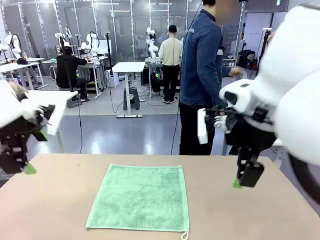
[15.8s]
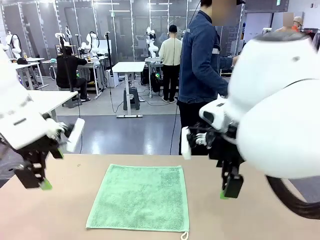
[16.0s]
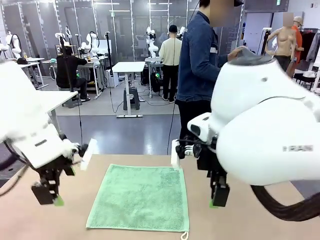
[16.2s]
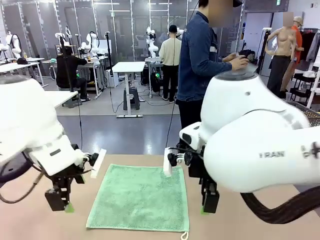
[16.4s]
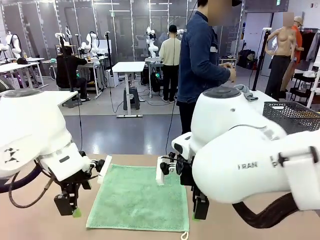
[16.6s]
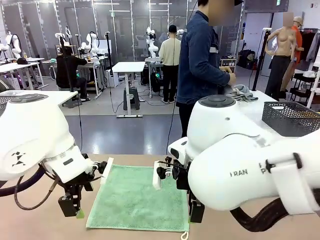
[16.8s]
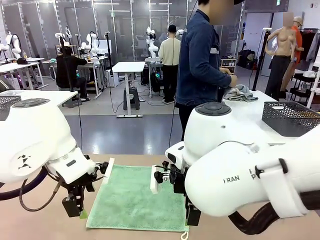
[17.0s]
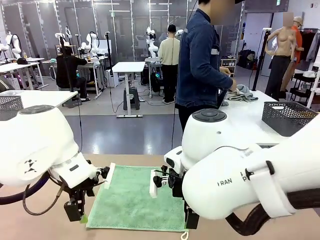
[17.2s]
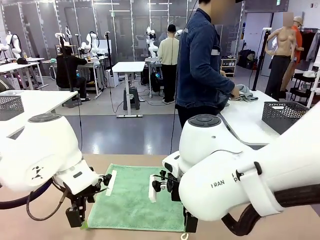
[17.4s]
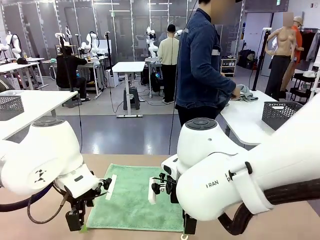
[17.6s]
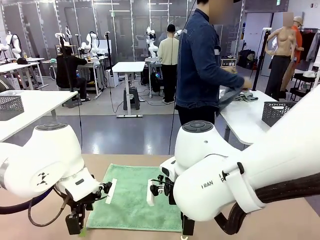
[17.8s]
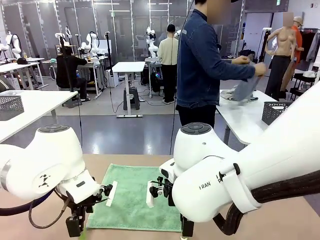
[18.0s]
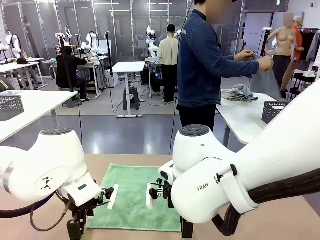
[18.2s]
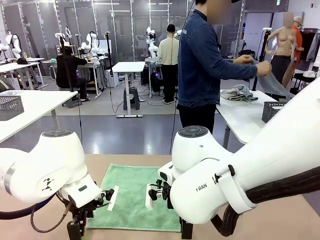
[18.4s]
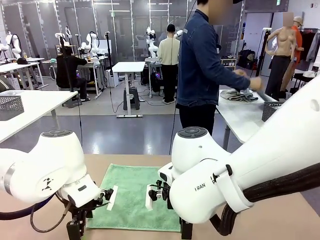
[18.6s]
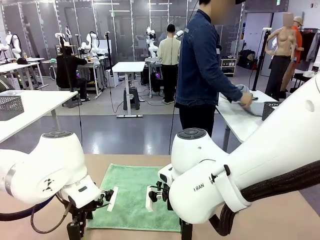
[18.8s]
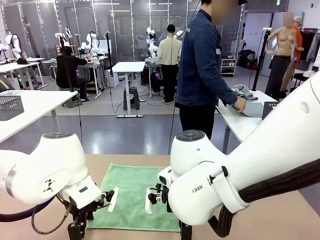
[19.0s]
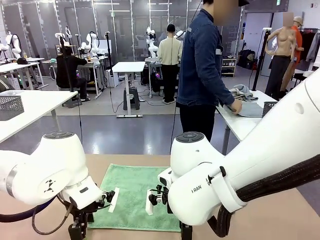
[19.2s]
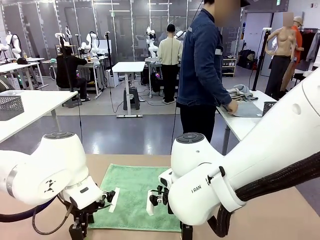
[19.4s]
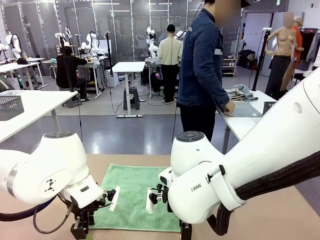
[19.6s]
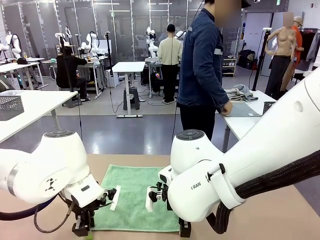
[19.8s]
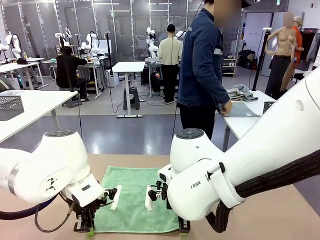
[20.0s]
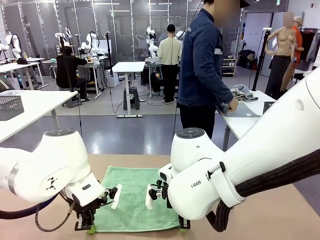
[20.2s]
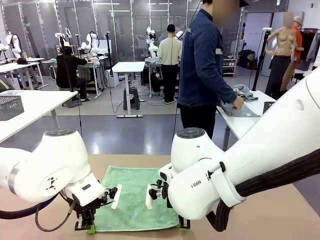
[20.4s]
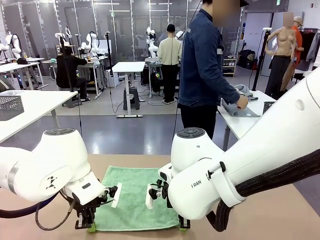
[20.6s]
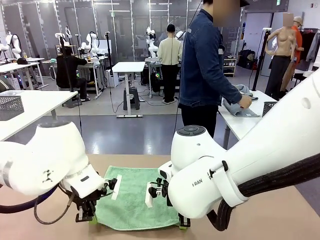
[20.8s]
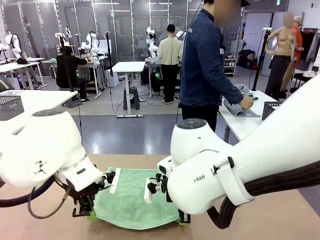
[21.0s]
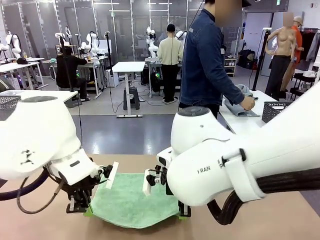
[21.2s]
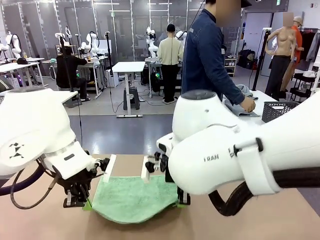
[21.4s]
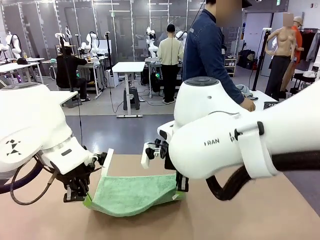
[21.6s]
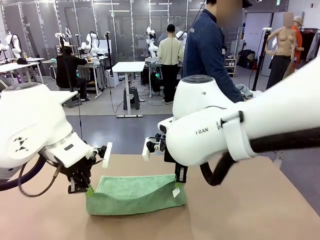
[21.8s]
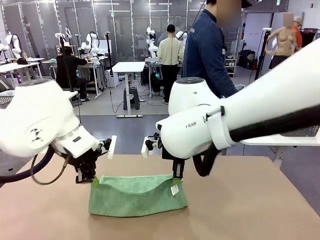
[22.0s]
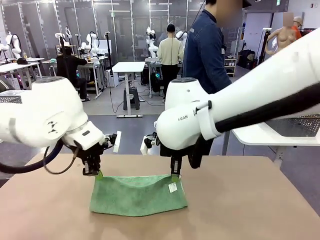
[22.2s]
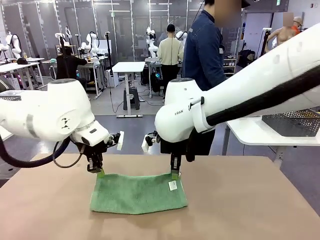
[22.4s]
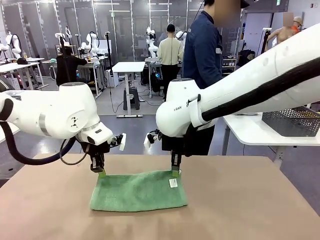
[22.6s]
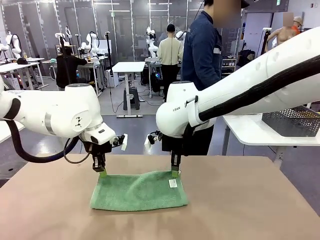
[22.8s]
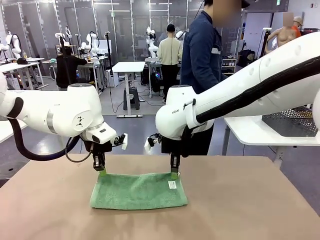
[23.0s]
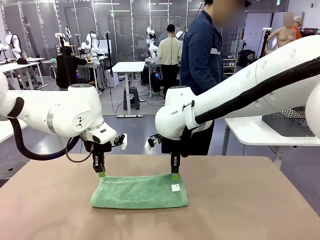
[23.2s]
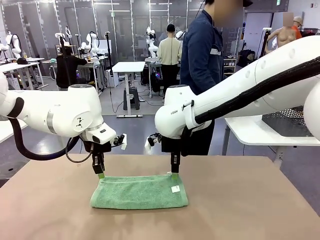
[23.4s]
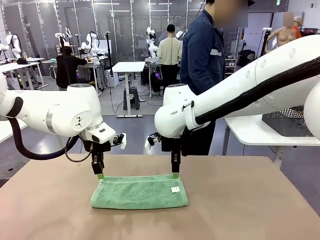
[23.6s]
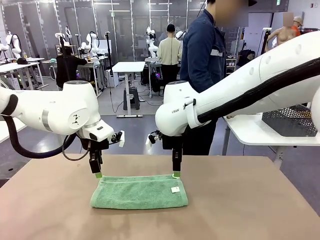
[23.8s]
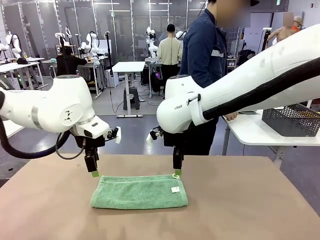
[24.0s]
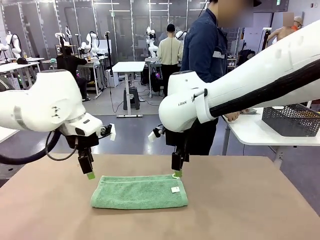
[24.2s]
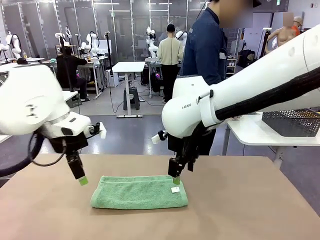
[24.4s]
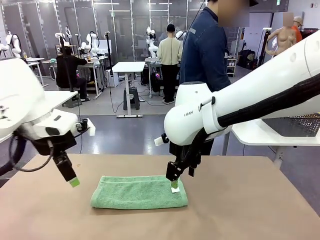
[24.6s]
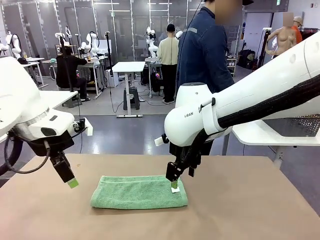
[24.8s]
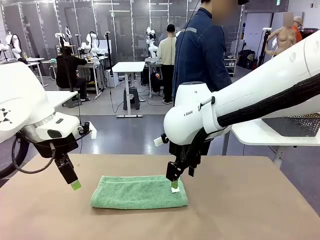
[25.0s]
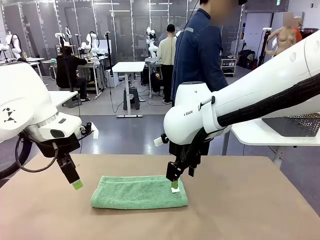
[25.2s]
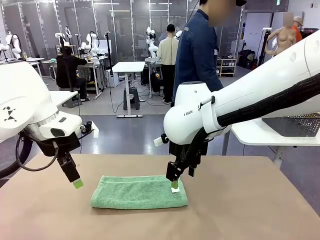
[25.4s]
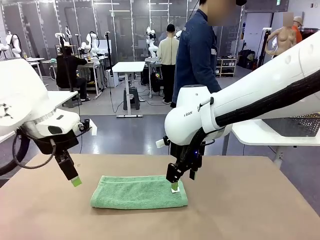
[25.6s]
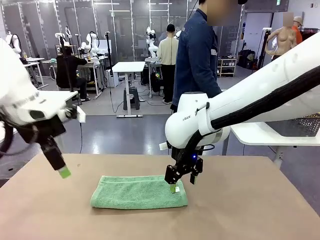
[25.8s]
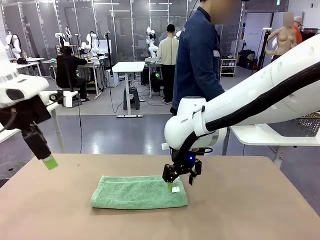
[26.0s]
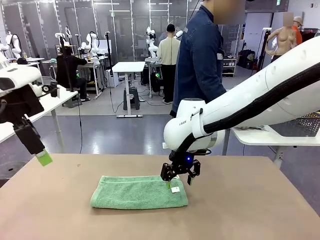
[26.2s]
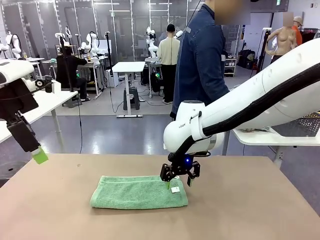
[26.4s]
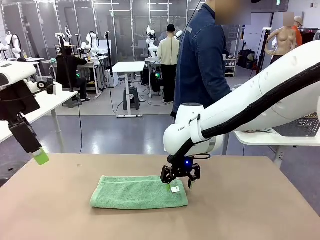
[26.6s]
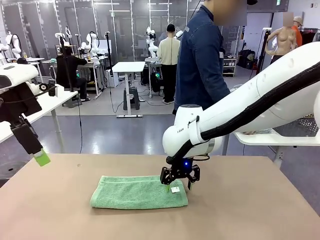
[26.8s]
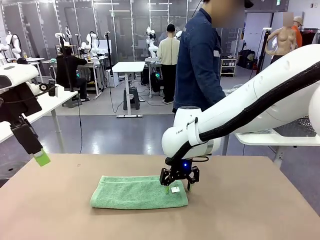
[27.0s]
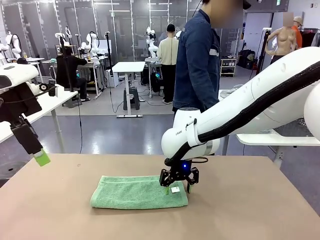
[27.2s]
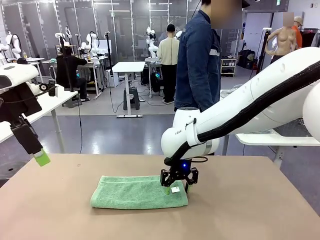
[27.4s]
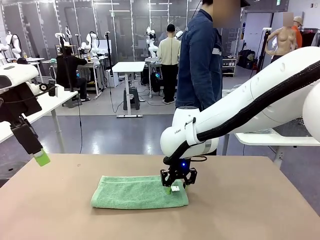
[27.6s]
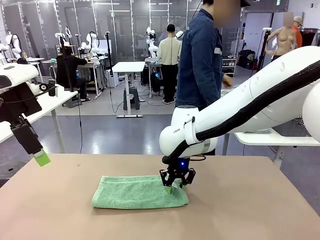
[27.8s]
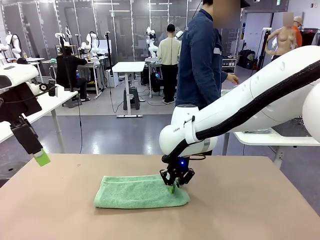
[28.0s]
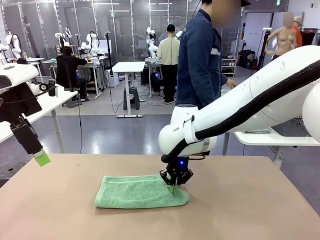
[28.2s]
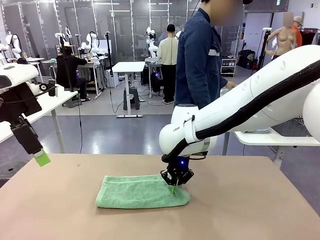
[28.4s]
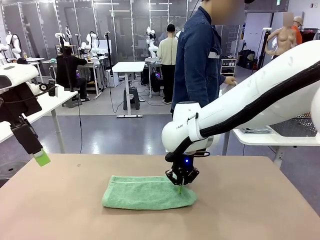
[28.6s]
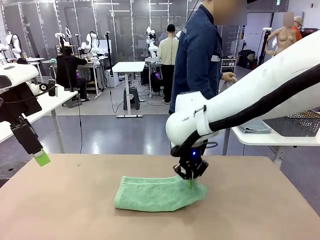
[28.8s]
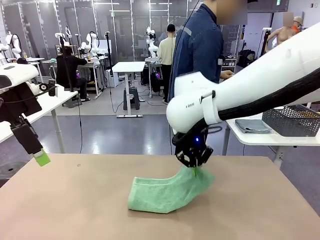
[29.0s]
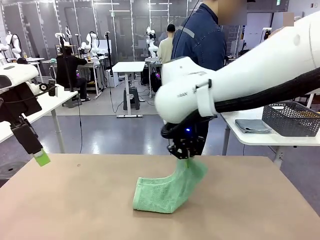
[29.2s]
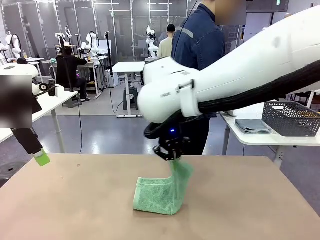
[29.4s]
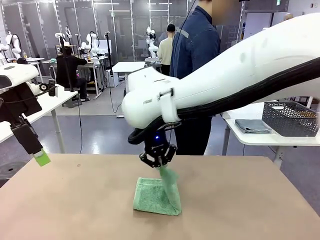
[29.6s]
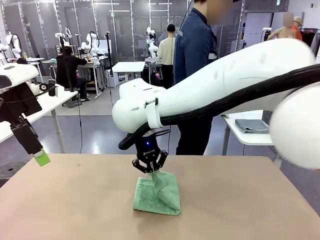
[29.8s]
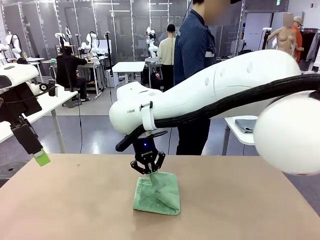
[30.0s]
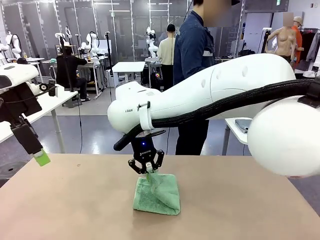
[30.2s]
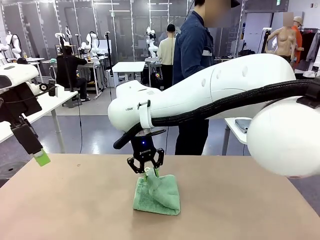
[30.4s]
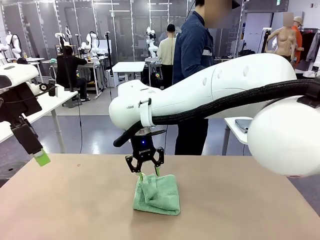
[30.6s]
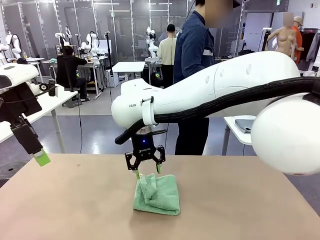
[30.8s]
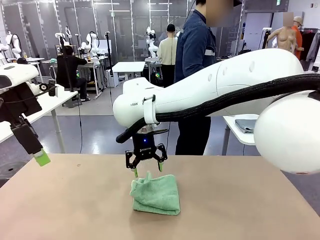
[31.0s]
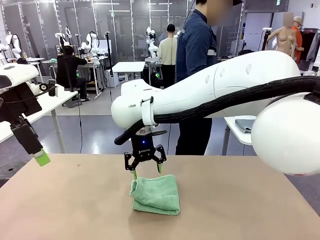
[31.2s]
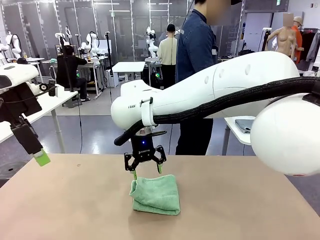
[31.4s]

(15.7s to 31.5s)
Task: Fold the towels and place them in the basket.
Robot: When a person lays out a Towel with hook on the table, fold it in half twice.
Person: Pick up one towel from the left side of the human table, fold it in half twice, and place it on the right side of the table.

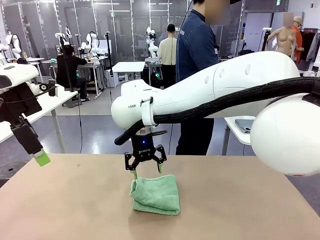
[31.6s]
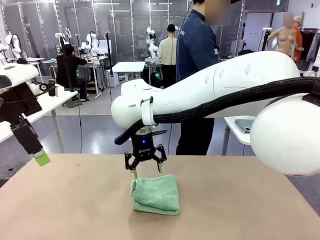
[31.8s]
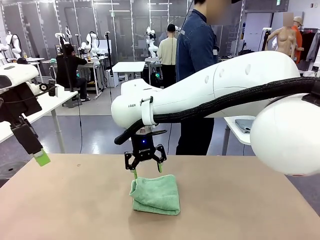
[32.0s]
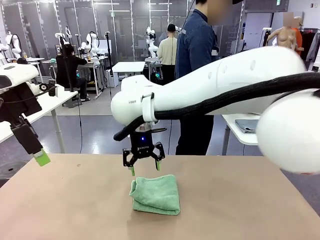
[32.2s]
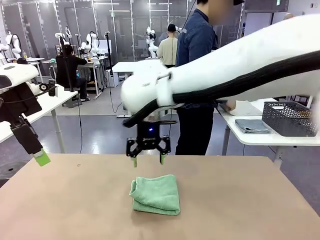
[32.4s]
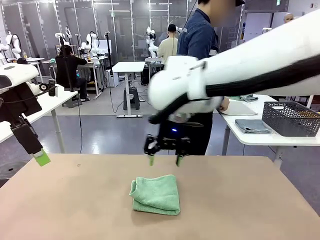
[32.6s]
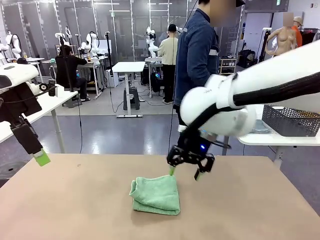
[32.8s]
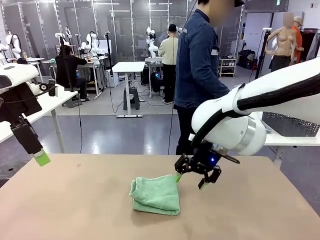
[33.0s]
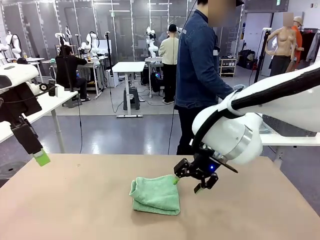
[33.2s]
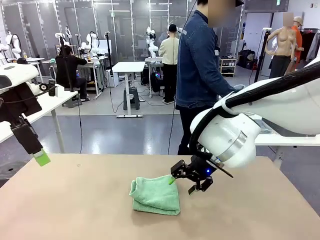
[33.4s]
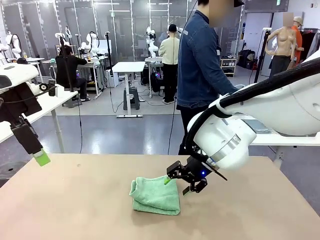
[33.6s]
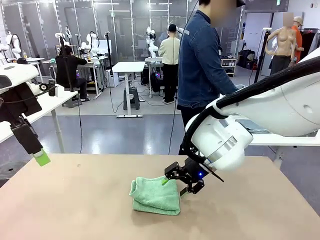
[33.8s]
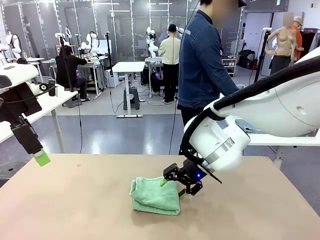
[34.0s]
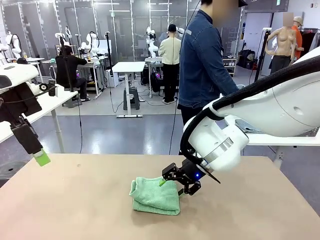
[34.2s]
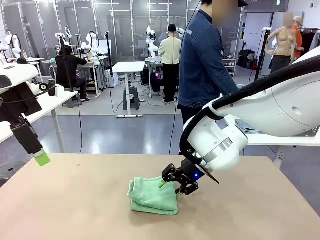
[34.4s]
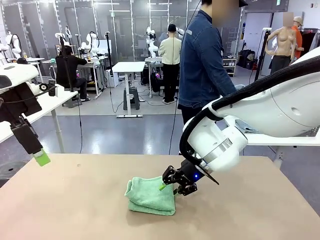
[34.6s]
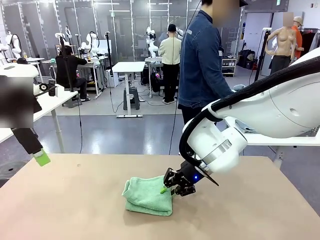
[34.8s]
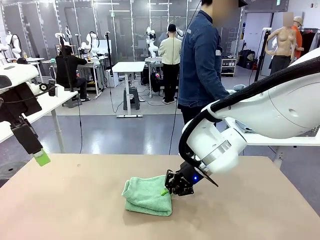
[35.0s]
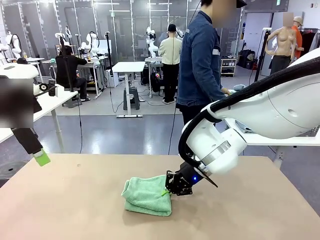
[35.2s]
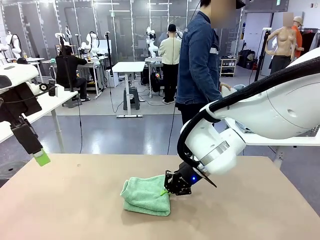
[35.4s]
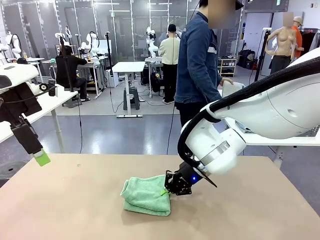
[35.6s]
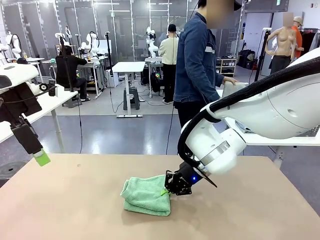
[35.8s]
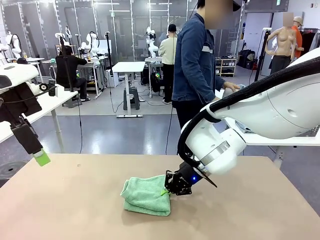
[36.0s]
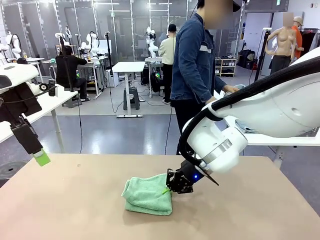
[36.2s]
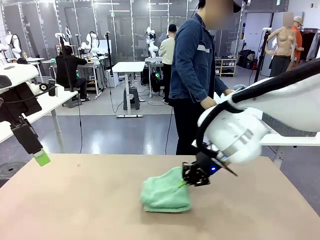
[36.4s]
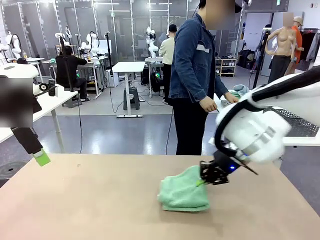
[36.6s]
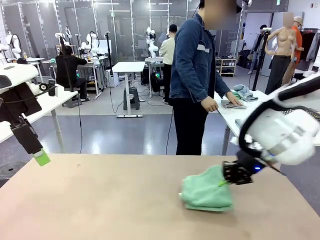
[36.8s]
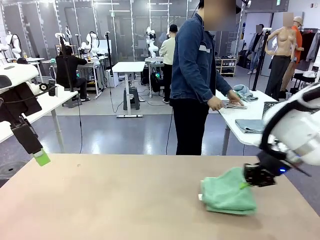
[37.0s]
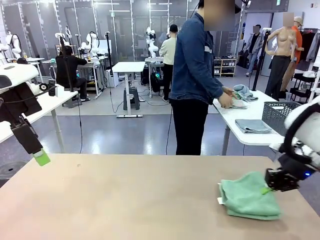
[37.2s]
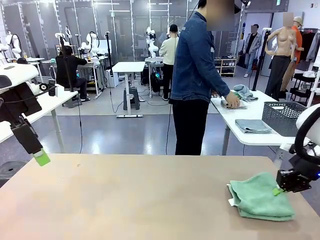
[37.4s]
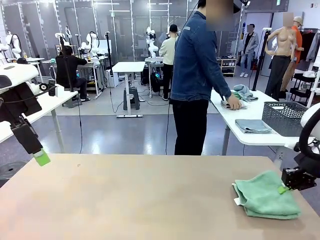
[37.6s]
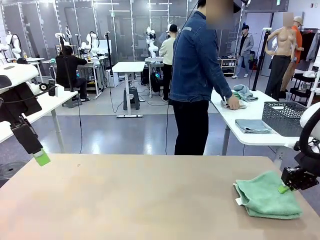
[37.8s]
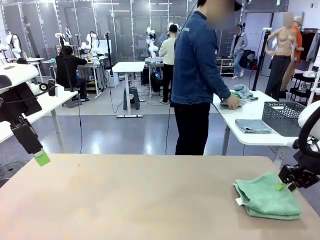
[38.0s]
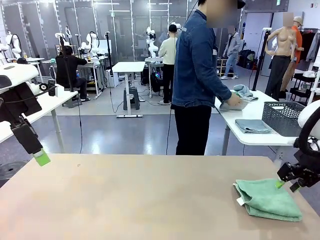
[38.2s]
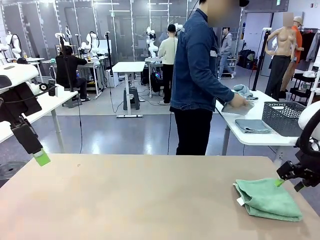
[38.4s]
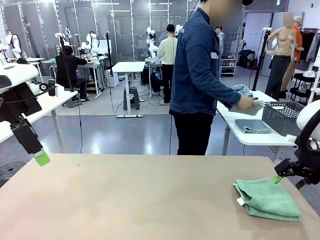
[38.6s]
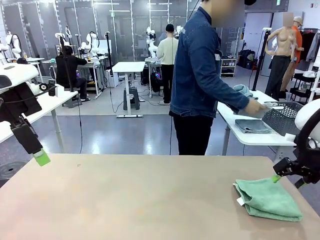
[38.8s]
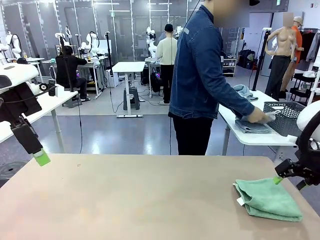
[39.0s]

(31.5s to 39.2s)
Robot: Place the folded Towel with hook on the right side of the table.
Person: Pick up one towel from the left side of the human table, fold it in half twice, and stack it on the right side of the table.
